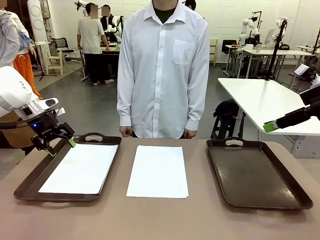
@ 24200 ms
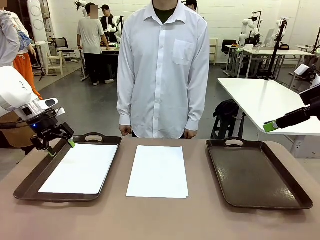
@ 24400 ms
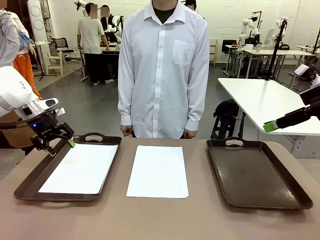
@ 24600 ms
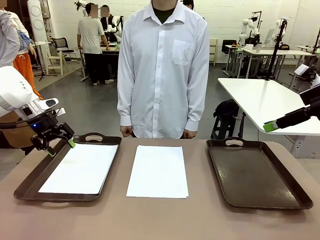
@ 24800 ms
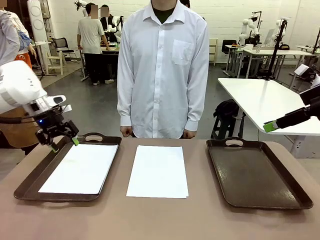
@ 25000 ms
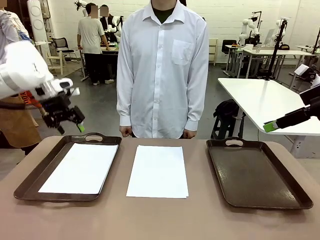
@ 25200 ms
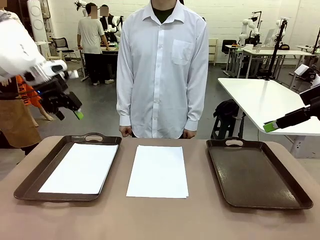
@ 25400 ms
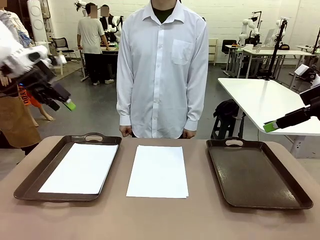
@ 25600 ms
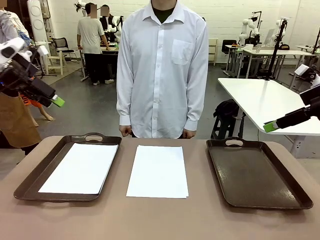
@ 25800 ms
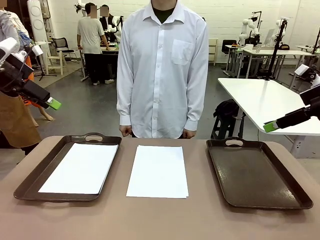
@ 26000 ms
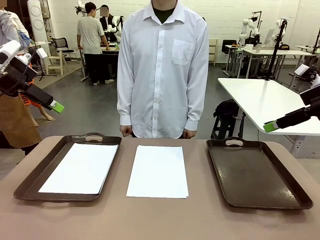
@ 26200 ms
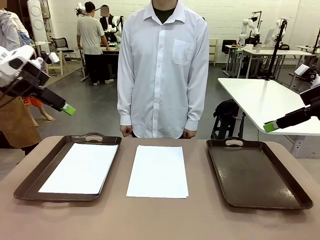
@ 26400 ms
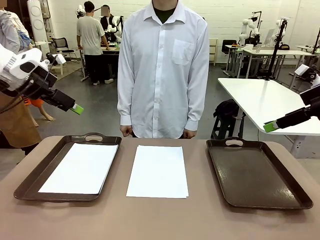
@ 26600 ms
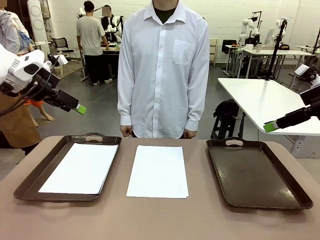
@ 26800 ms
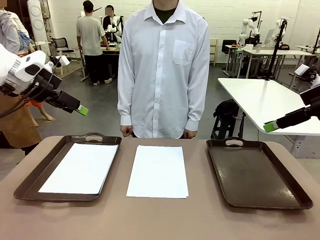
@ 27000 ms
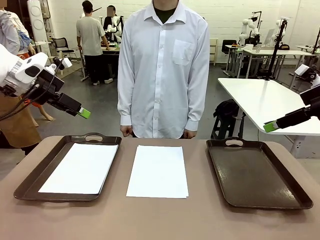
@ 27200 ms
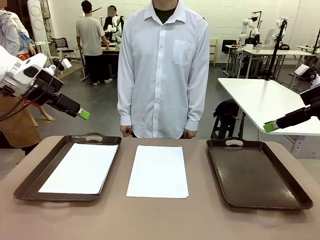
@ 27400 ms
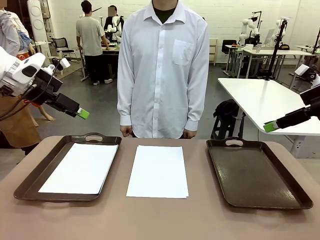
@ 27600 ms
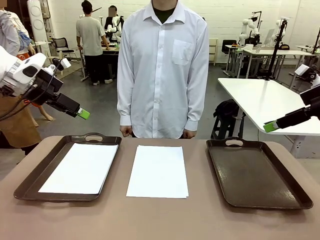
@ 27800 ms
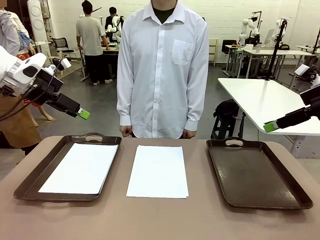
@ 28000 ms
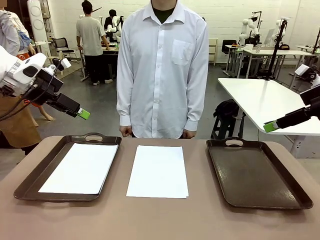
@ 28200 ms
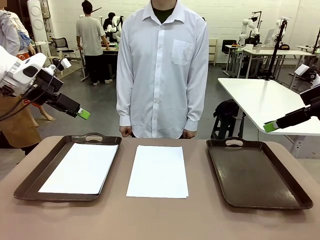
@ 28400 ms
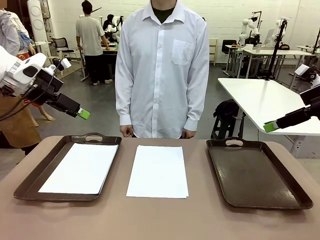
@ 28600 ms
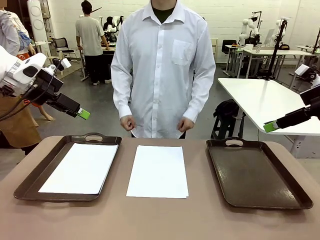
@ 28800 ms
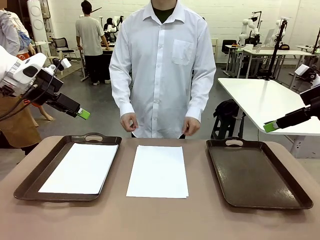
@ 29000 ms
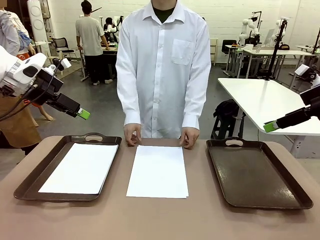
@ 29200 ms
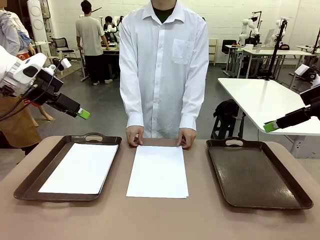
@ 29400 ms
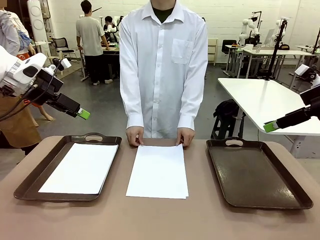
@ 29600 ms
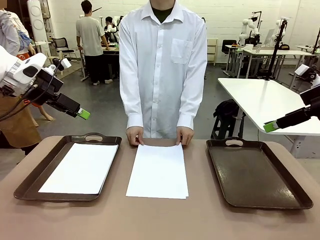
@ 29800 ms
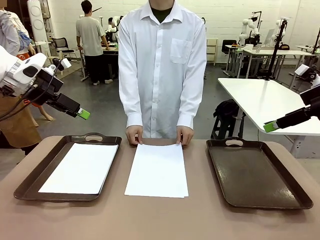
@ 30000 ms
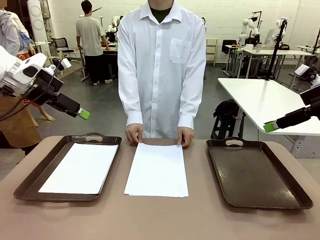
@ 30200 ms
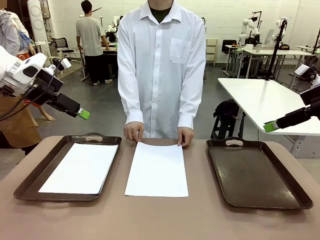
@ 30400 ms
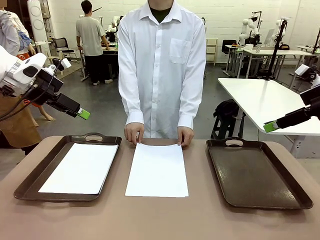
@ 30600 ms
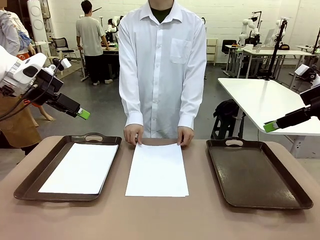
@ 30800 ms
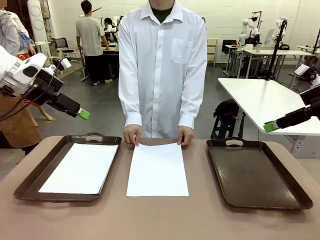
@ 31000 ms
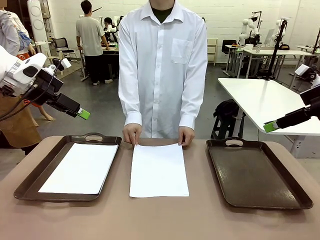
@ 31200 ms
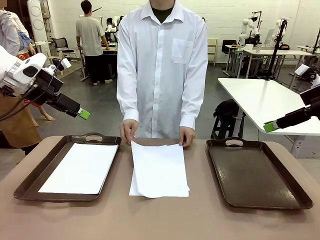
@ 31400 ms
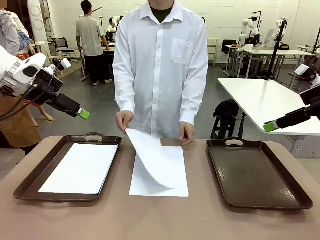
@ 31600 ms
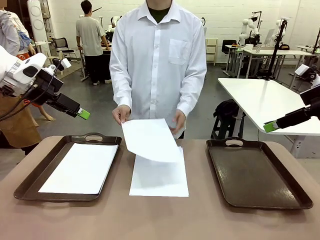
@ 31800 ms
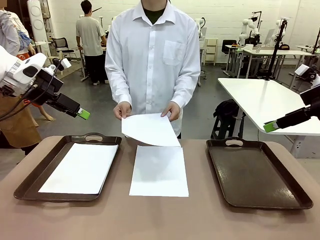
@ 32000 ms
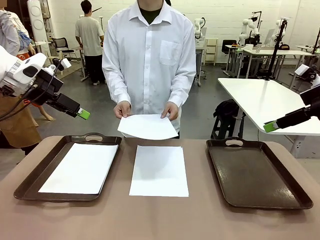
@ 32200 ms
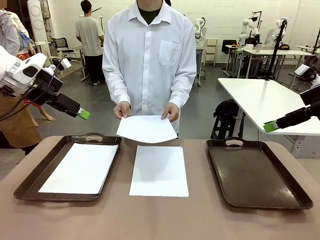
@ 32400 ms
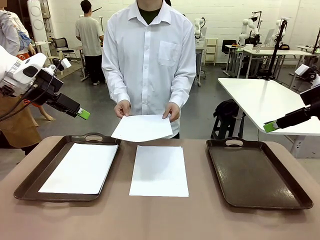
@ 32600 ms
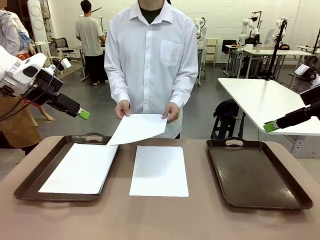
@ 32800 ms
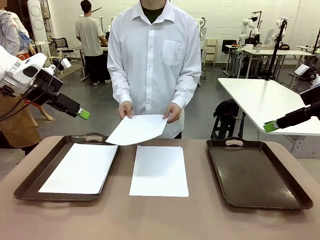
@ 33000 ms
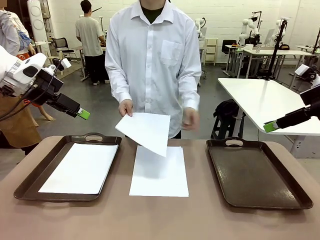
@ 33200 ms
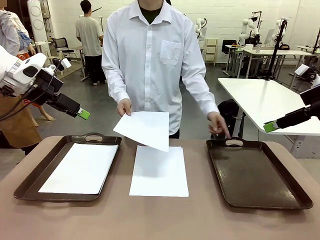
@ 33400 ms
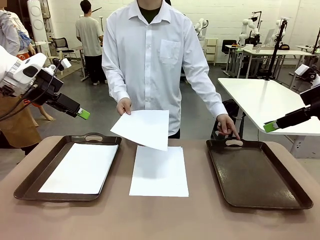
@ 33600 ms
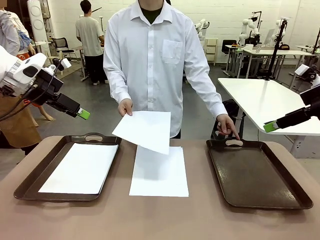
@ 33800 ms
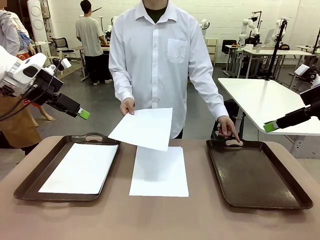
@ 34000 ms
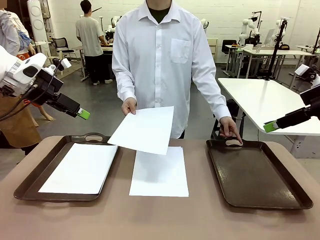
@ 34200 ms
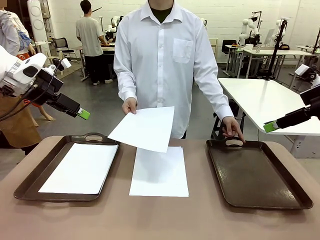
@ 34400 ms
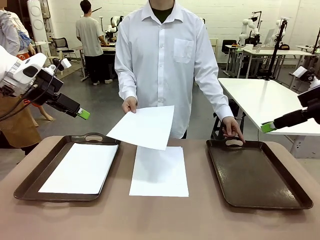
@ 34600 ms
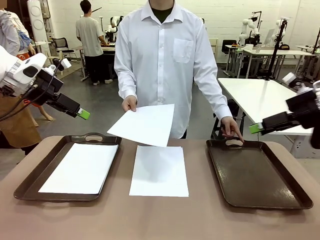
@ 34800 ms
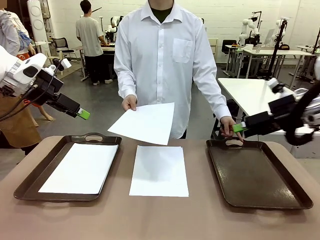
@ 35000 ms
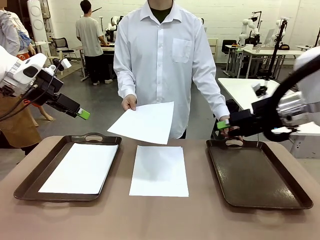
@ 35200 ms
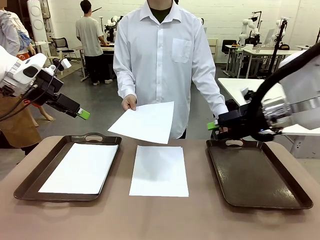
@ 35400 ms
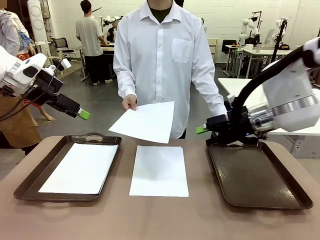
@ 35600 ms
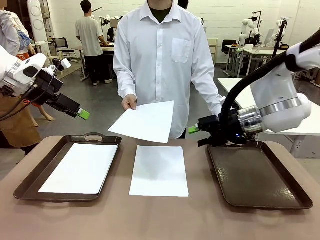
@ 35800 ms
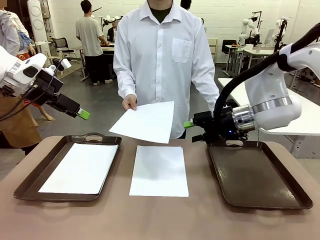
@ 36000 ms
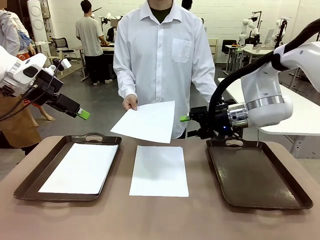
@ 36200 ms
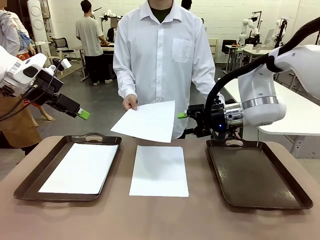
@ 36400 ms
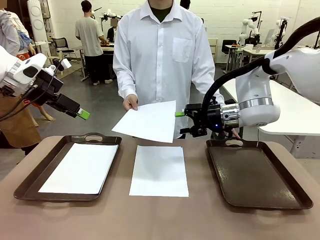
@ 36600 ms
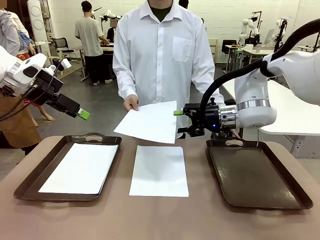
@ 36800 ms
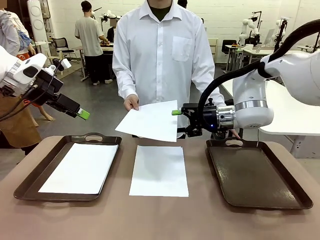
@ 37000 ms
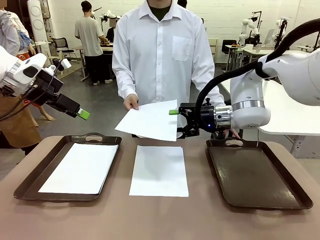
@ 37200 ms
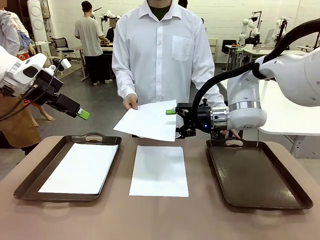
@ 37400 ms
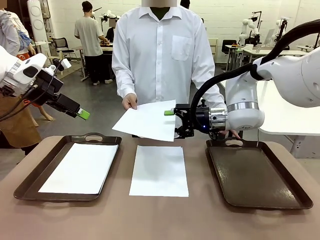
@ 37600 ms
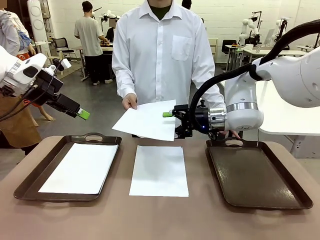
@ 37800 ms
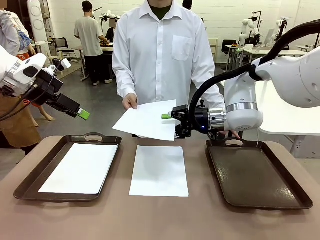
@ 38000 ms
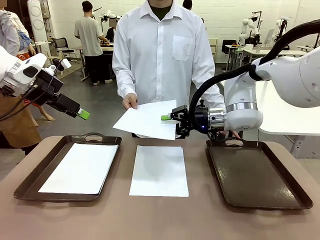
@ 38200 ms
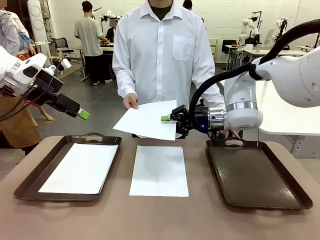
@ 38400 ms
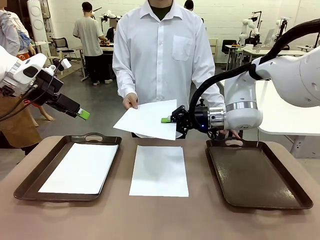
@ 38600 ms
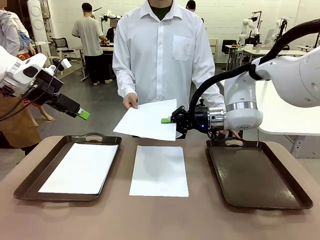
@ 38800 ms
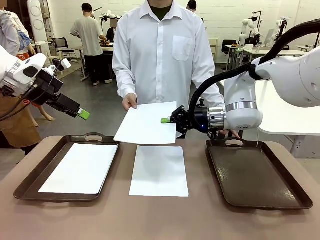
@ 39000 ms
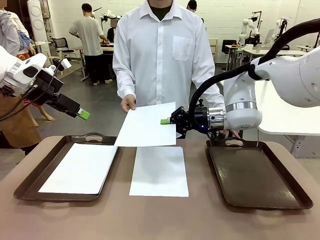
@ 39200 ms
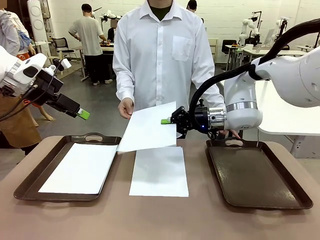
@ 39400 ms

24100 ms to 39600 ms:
Task: Sort the A4 documents.
Robot: Receive the A4 Paper.
Person: Point the randomly selected tray with the other hand.

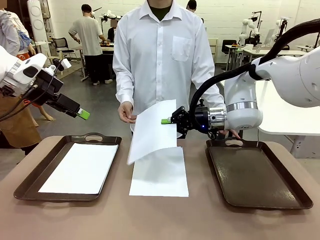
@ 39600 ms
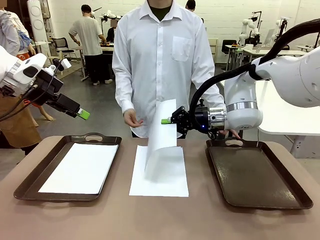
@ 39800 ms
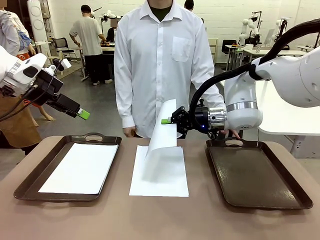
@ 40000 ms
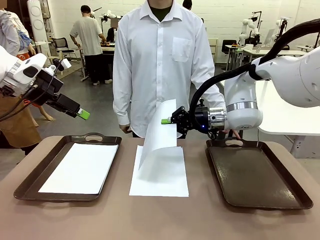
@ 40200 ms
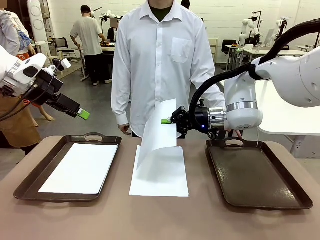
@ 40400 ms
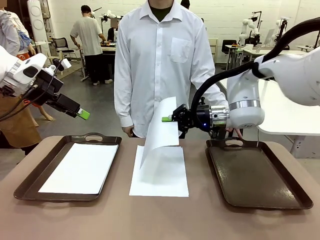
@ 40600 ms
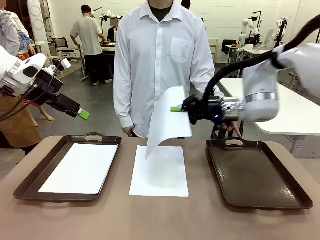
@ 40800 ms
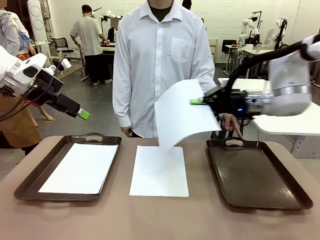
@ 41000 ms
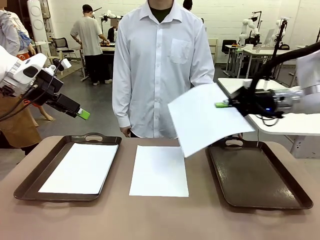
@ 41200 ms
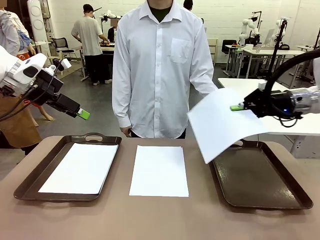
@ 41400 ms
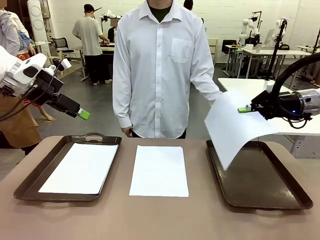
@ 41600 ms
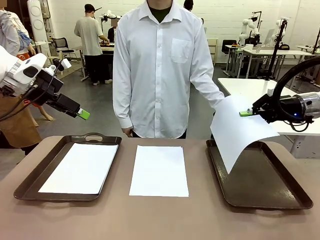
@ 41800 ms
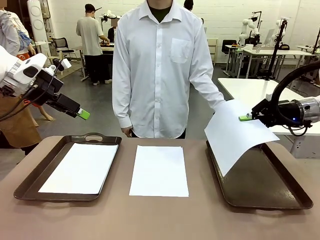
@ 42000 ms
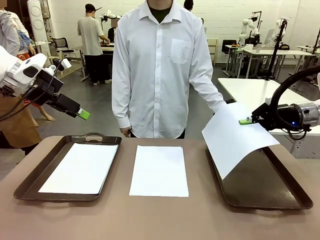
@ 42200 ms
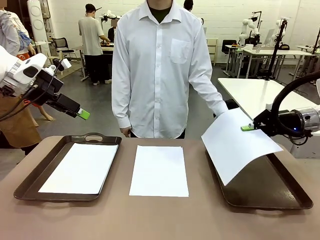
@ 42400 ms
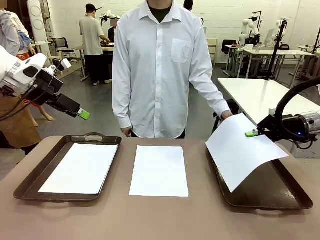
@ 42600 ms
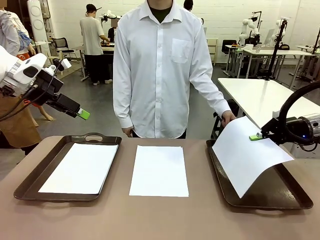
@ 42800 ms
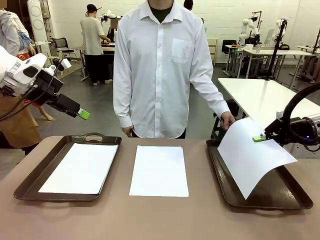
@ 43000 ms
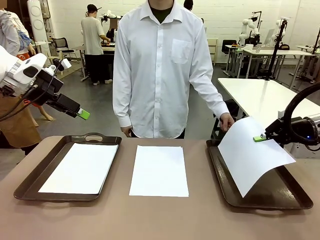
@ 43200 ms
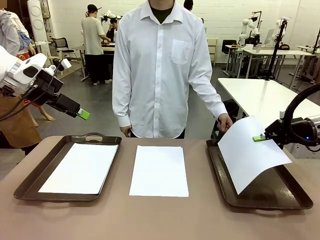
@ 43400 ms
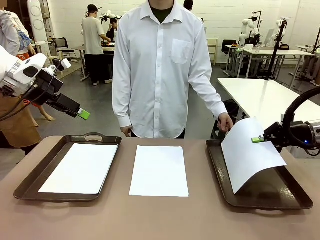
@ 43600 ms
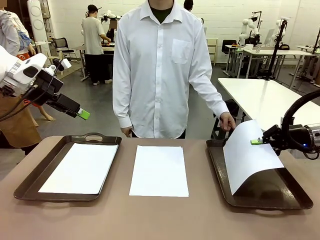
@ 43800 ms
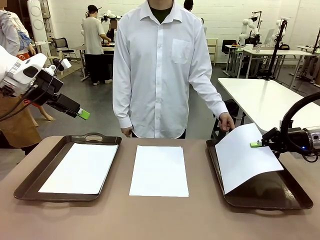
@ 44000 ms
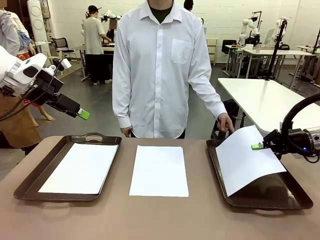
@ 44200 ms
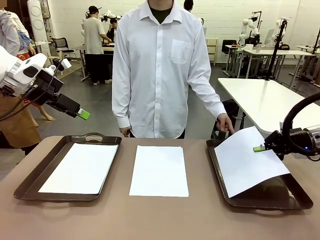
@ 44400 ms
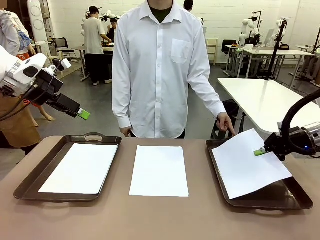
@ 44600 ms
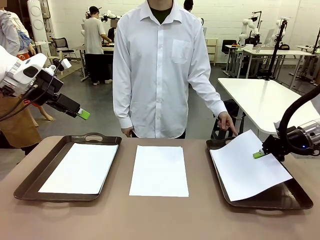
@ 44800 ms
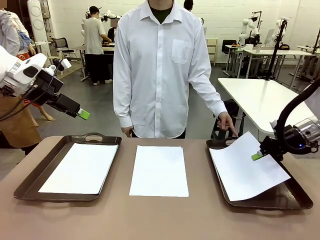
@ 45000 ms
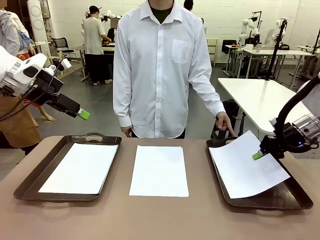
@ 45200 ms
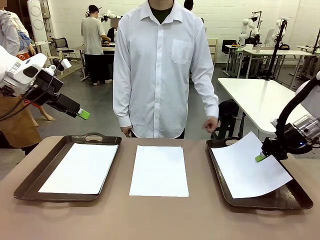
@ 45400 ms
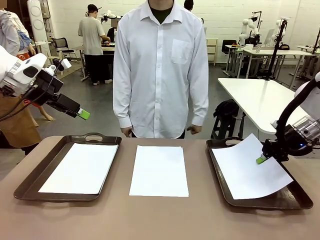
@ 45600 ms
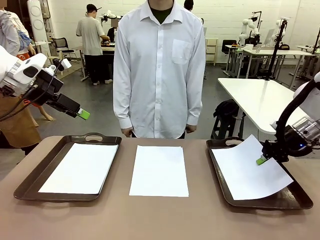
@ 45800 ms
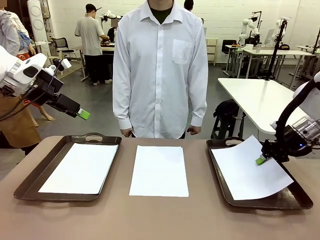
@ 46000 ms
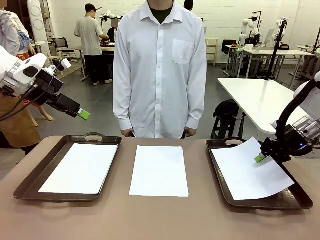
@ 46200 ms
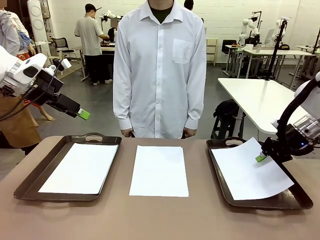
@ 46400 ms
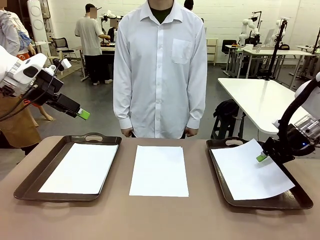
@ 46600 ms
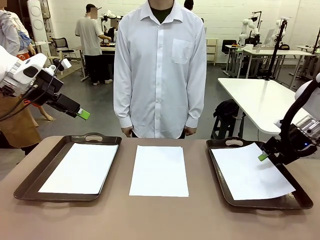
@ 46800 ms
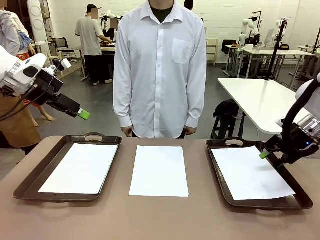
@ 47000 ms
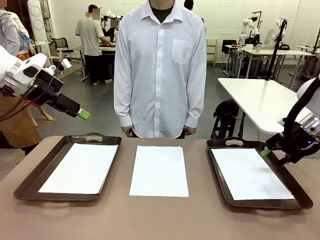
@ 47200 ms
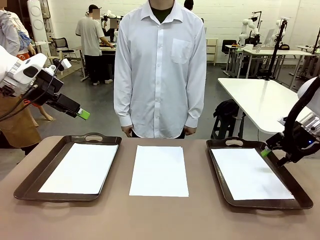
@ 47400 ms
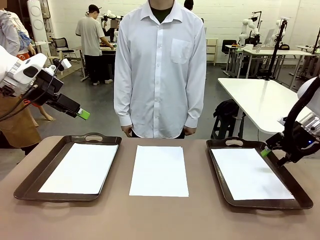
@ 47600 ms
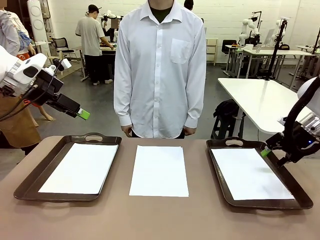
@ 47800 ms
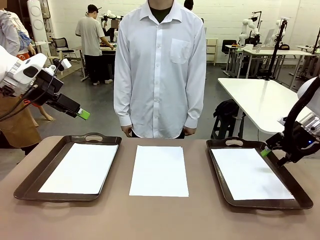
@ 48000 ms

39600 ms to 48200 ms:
Robot: Place the A4 Paper in the designated Handle tray.
